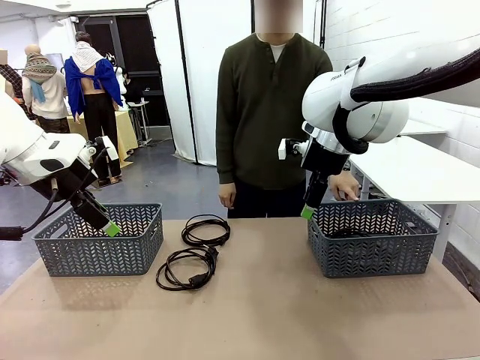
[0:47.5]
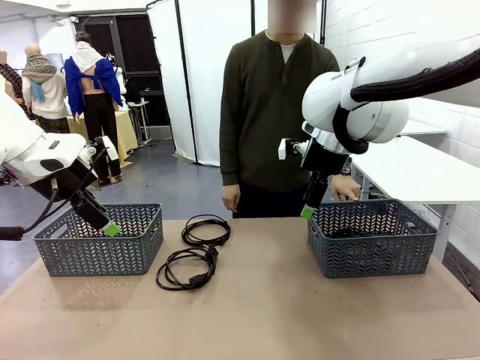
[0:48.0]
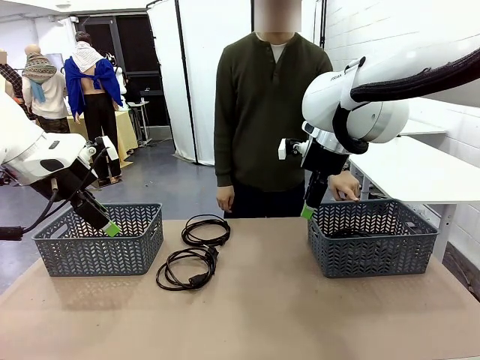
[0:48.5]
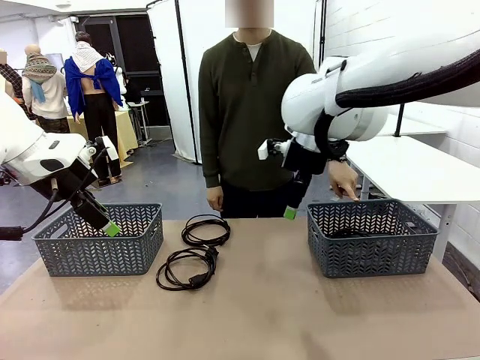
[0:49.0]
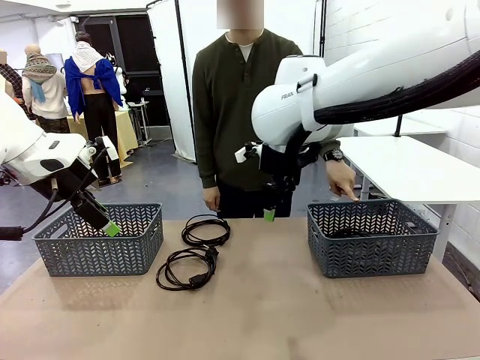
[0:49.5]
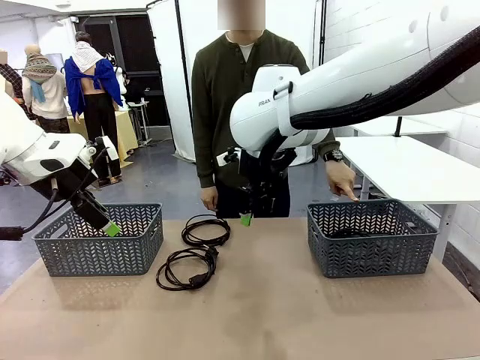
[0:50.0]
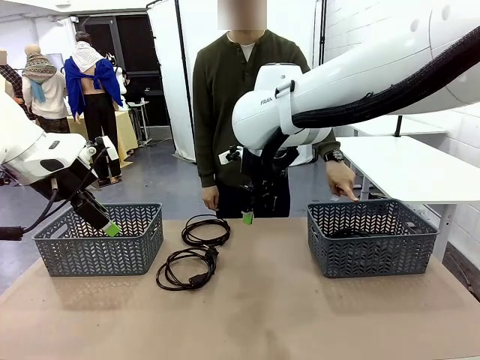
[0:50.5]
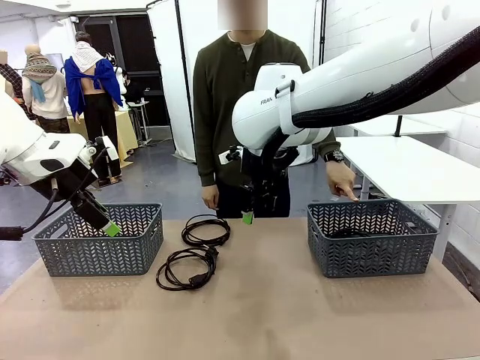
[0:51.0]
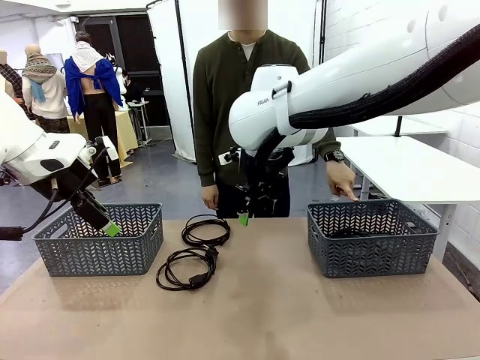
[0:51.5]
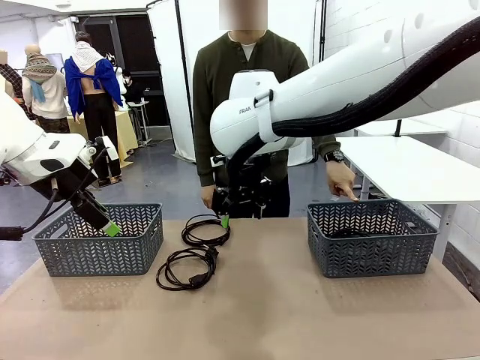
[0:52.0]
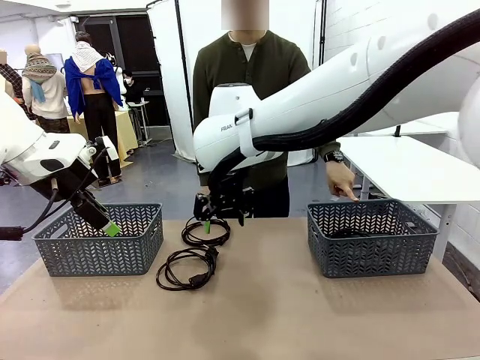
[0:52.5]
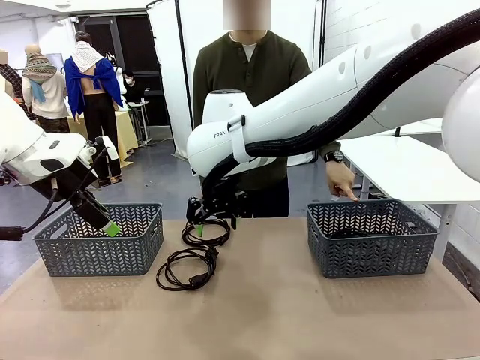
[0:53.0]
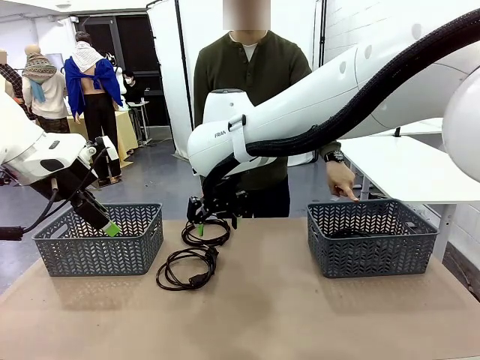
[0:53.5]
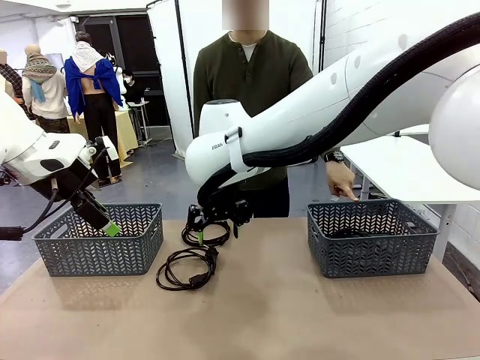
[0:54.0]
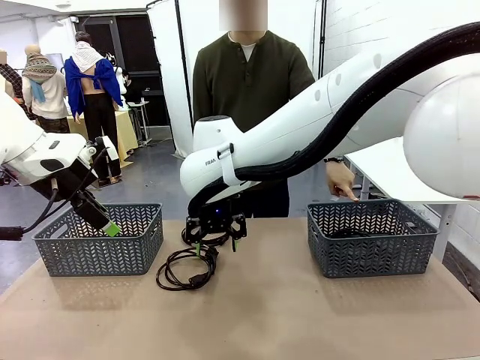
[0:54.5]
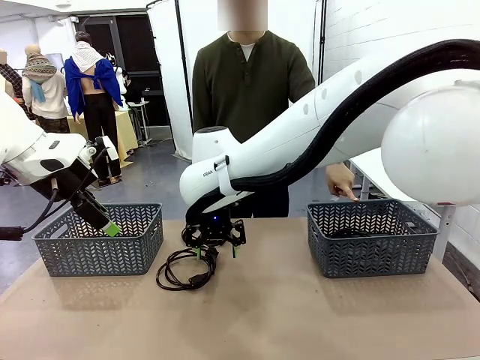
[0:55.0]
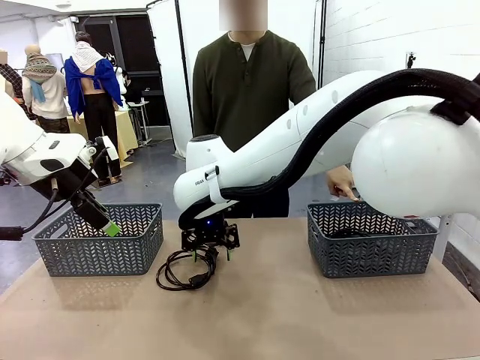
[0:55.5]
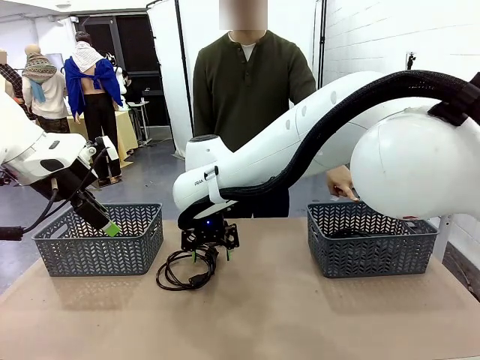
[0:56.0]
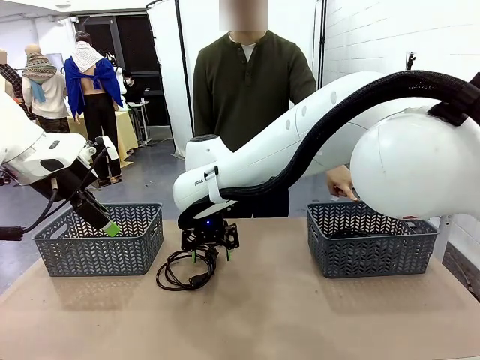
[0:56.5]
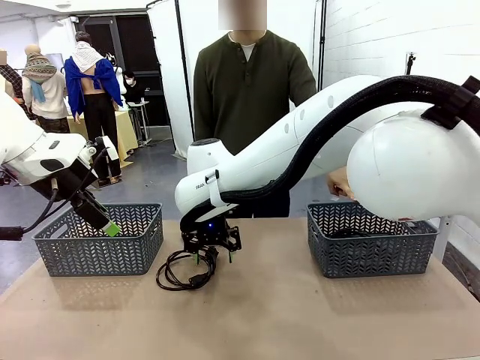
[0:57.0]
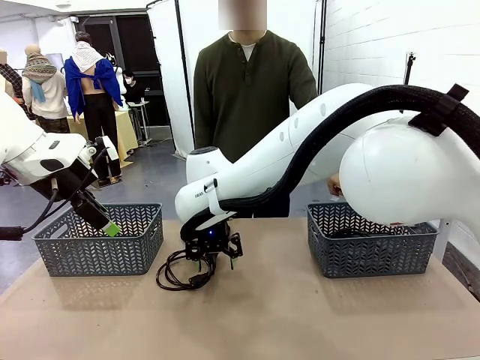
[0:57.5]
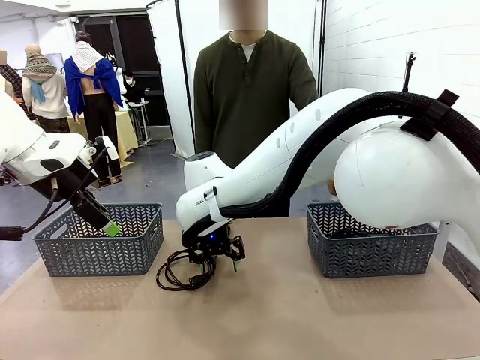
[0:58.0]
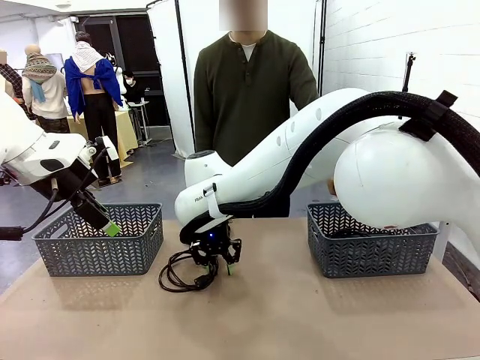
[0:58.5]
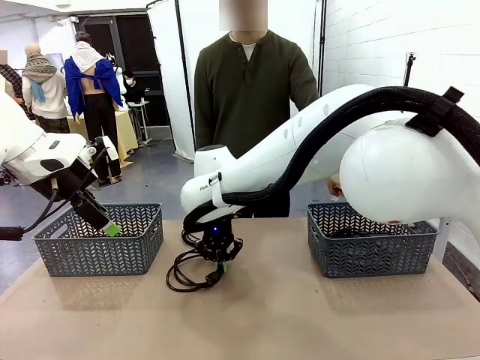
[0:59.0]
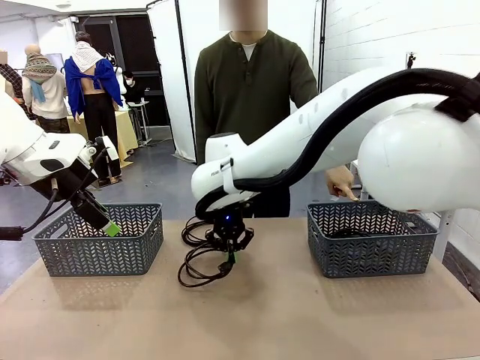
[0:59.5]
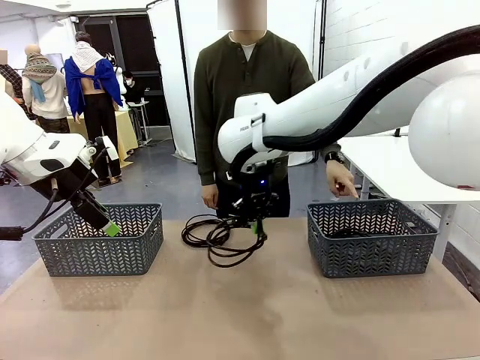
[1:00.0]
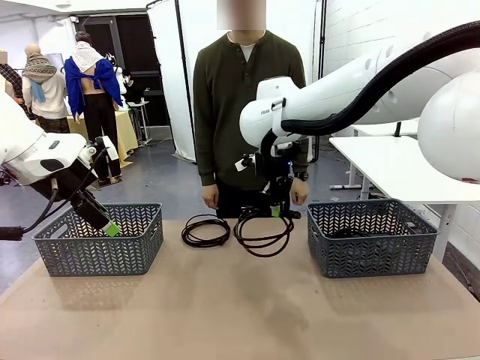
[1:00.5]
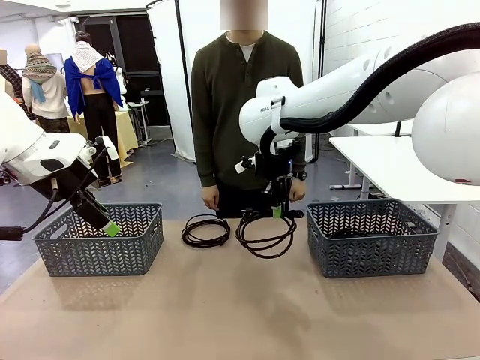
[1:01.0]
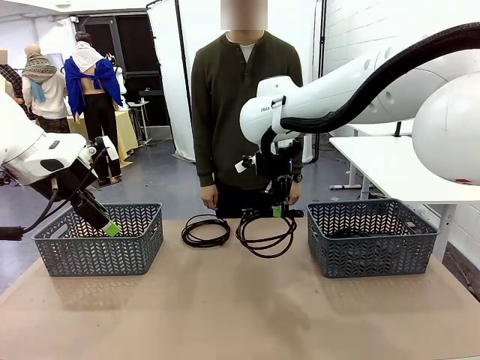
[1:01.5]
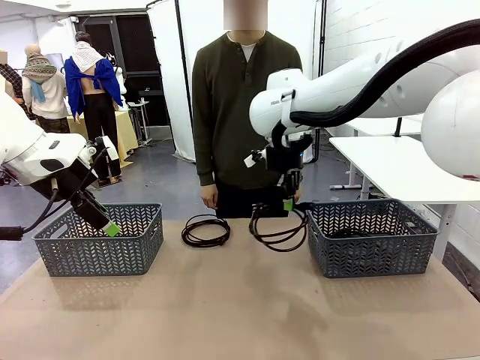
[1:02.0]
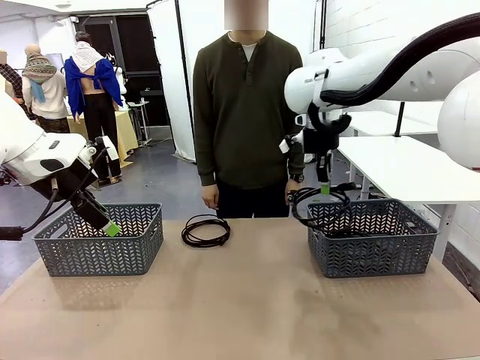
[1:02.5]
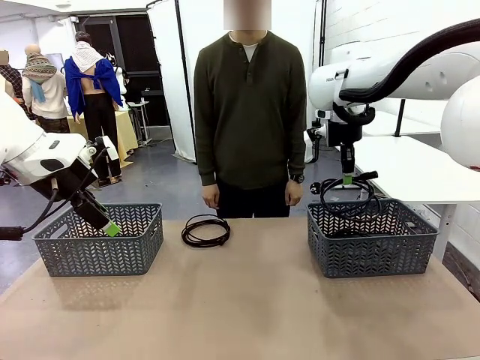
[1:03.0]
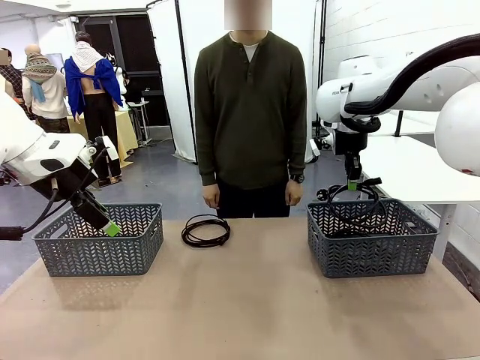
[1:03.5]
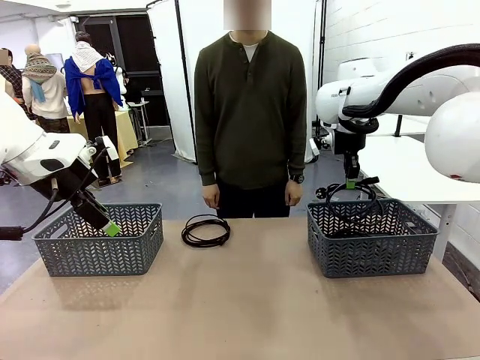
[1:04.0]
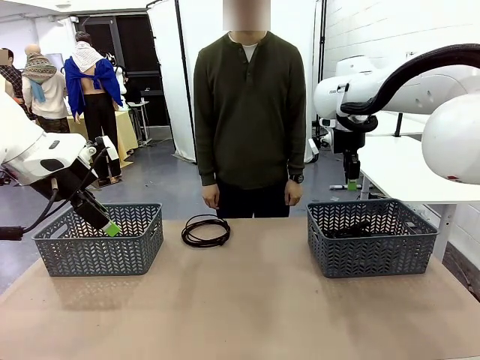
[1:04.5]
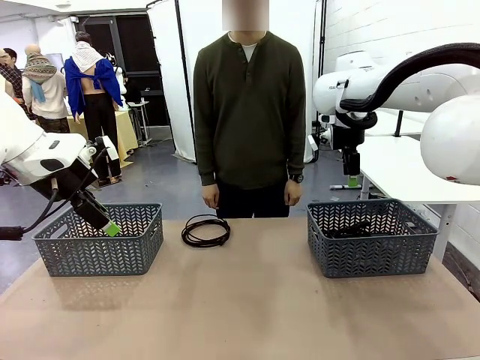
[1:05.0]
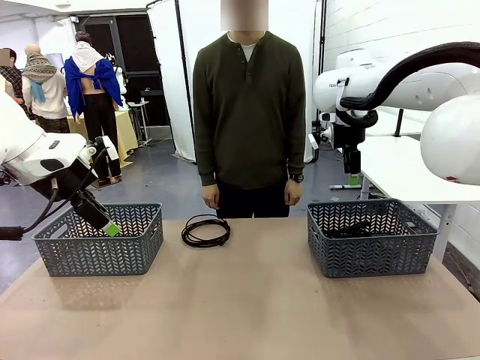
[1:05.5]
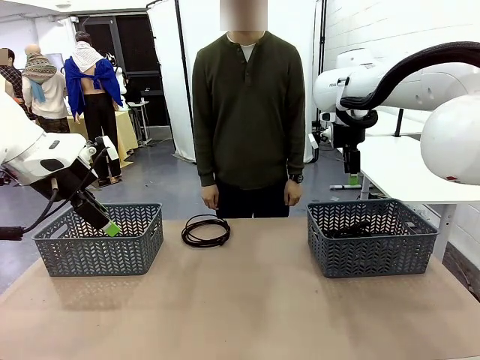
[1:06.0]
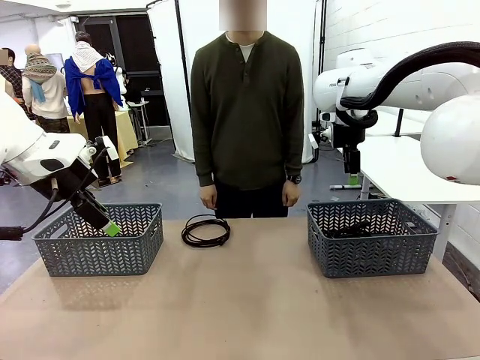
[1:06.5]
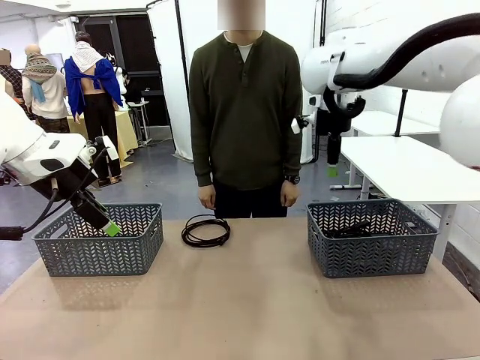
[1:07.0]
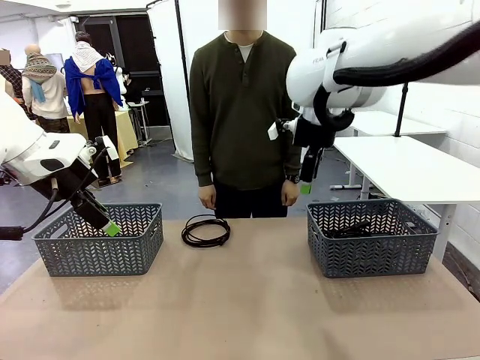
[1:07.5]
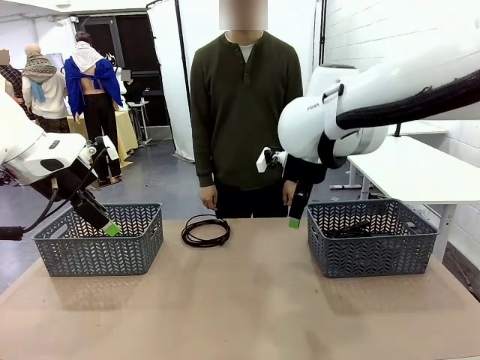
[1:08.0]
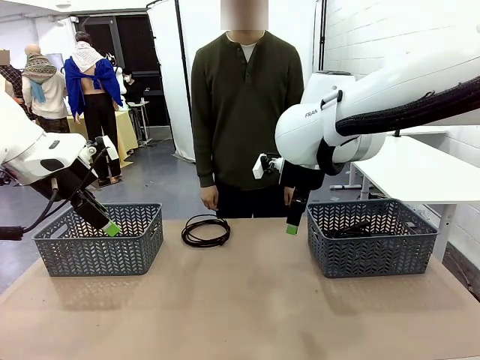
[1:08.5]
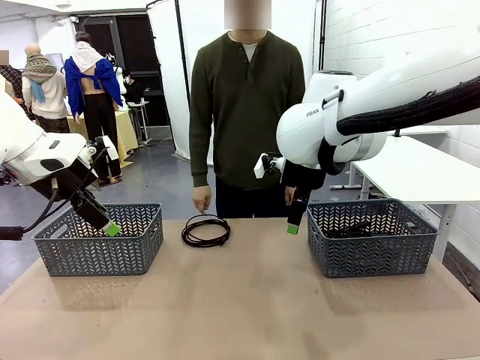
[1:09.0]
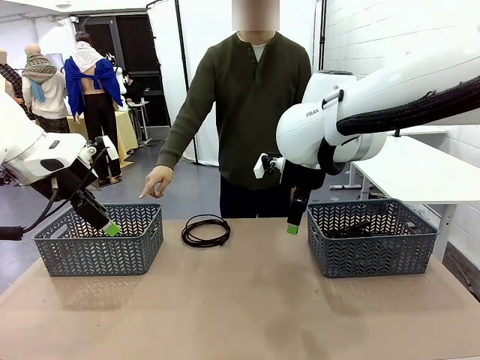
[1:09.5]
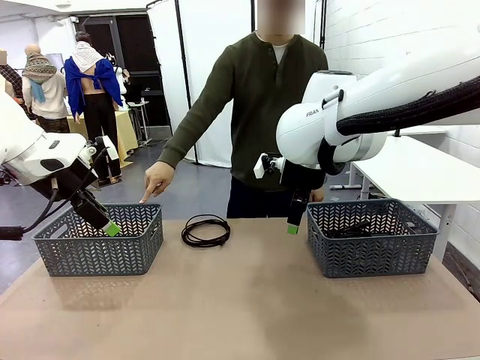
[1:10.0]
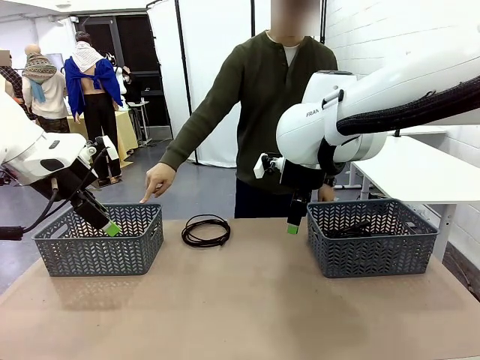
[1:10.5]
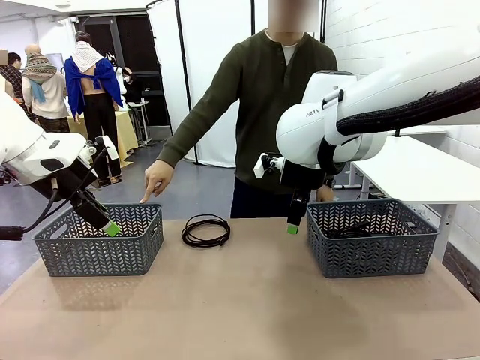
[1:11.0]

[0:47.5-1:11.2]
Task: Organize the cables according to human instructions.
Robot: Pick up a bundle of cables and place it in the basket indicated by the human.
